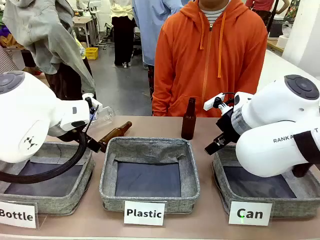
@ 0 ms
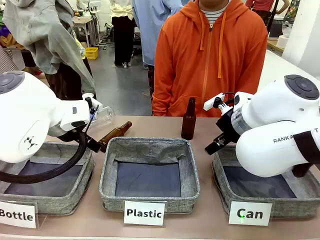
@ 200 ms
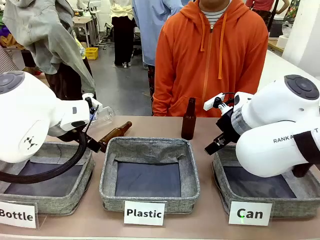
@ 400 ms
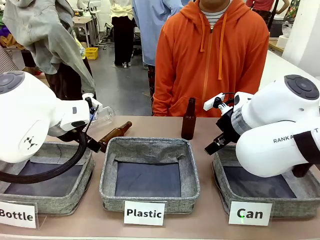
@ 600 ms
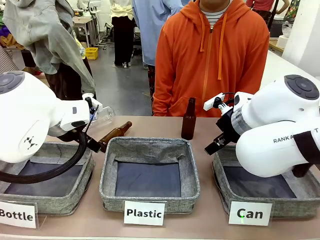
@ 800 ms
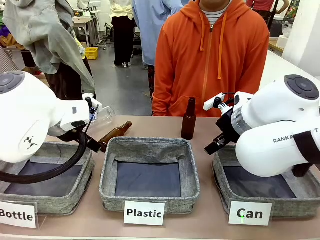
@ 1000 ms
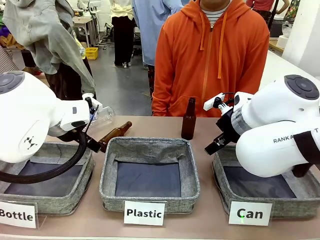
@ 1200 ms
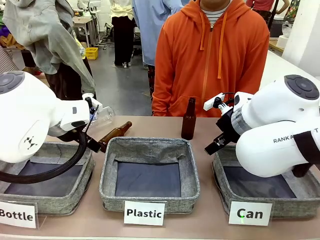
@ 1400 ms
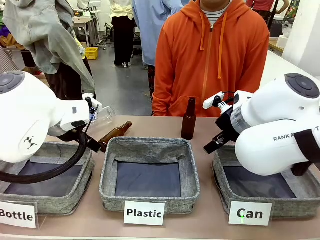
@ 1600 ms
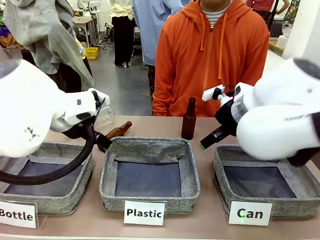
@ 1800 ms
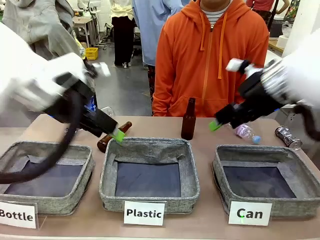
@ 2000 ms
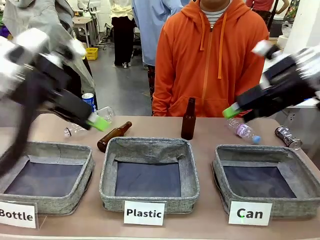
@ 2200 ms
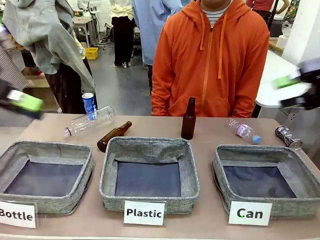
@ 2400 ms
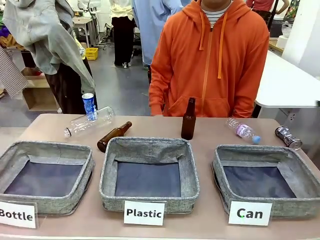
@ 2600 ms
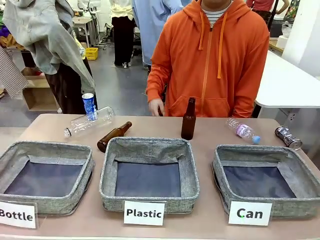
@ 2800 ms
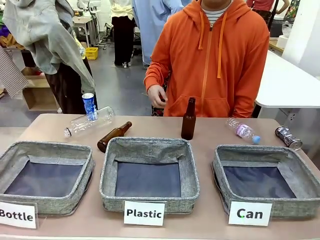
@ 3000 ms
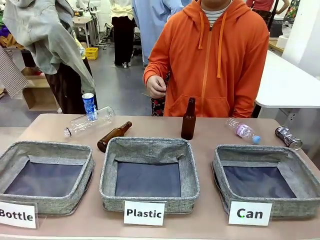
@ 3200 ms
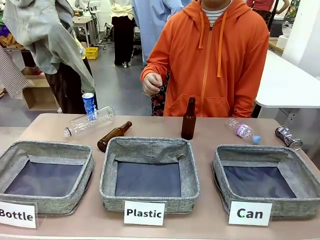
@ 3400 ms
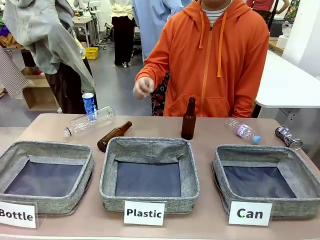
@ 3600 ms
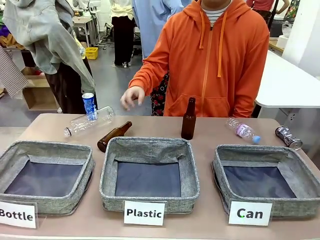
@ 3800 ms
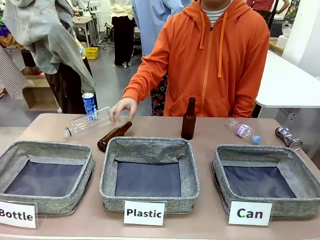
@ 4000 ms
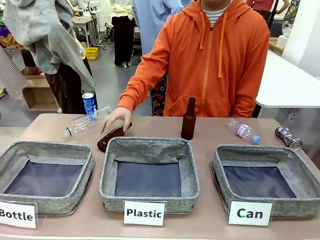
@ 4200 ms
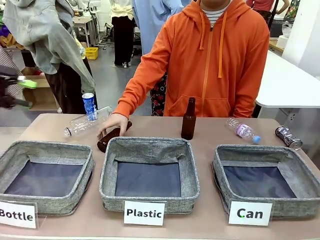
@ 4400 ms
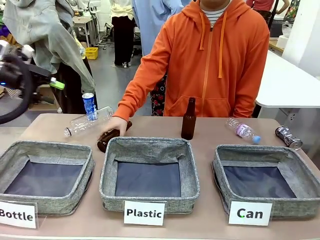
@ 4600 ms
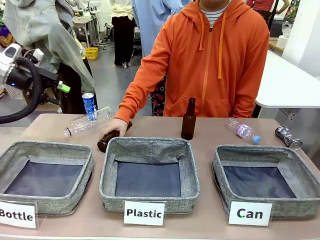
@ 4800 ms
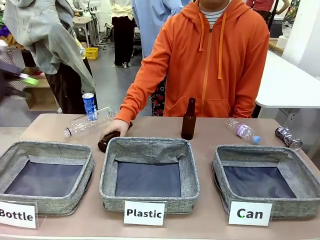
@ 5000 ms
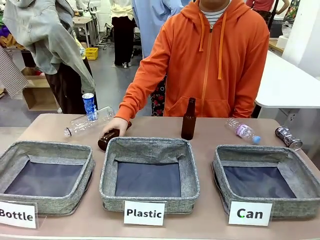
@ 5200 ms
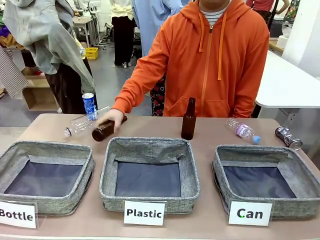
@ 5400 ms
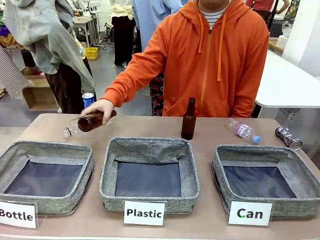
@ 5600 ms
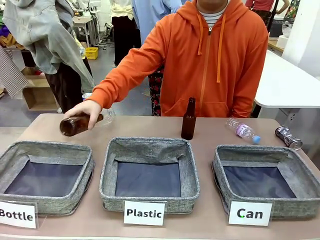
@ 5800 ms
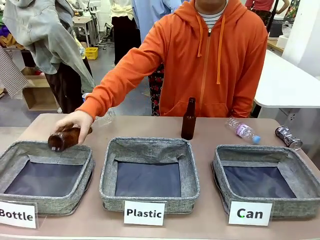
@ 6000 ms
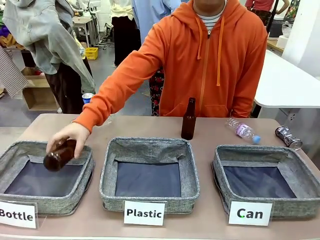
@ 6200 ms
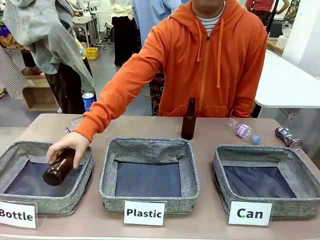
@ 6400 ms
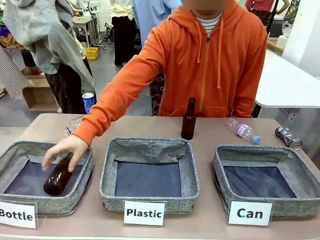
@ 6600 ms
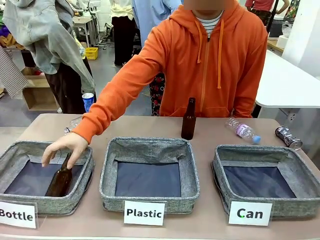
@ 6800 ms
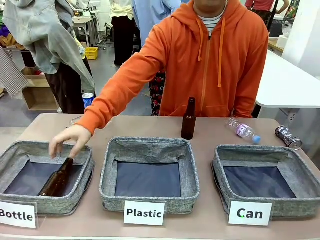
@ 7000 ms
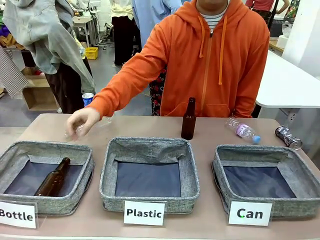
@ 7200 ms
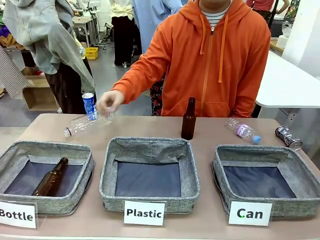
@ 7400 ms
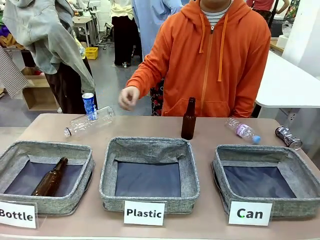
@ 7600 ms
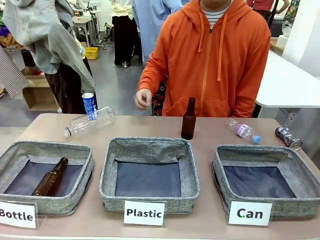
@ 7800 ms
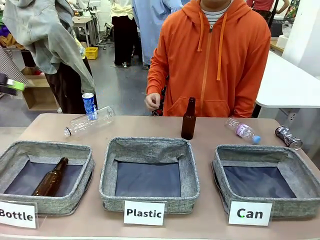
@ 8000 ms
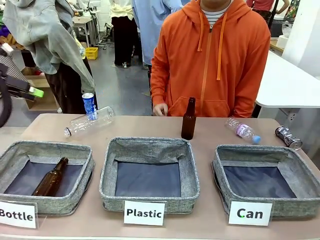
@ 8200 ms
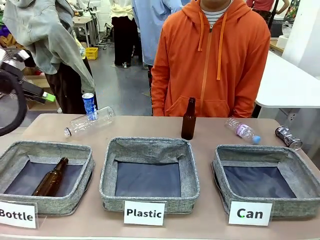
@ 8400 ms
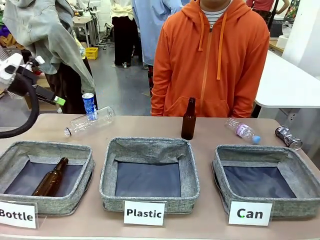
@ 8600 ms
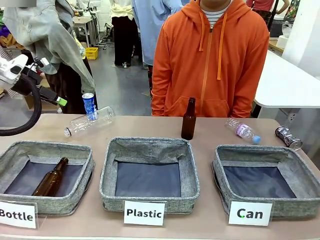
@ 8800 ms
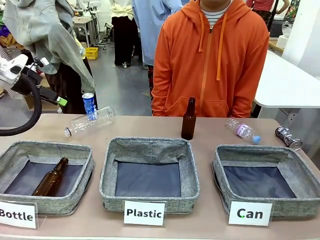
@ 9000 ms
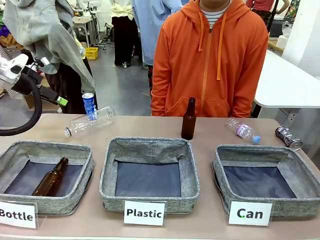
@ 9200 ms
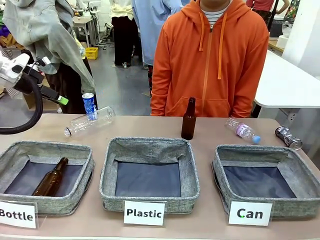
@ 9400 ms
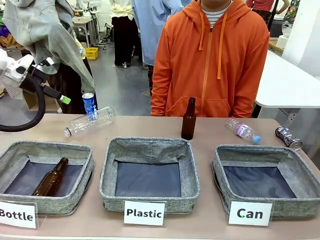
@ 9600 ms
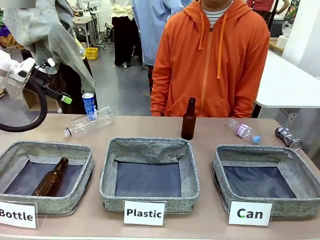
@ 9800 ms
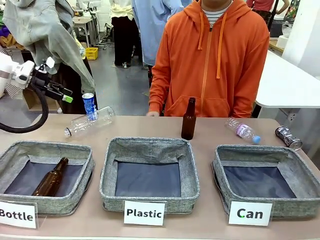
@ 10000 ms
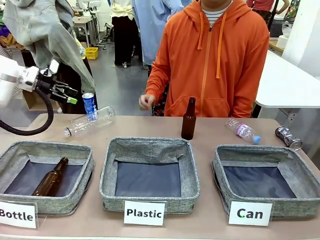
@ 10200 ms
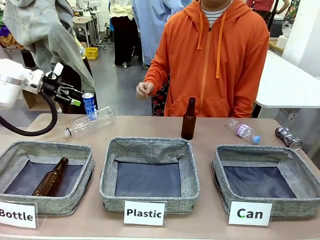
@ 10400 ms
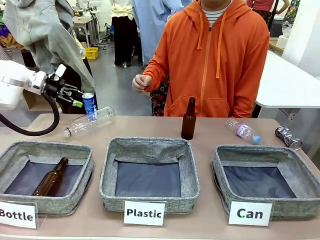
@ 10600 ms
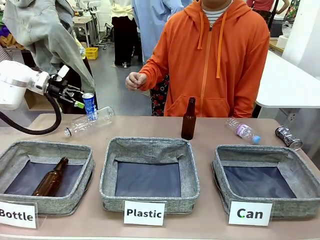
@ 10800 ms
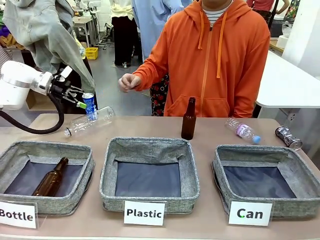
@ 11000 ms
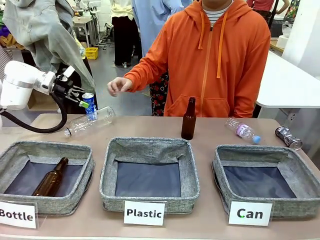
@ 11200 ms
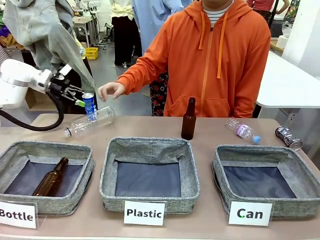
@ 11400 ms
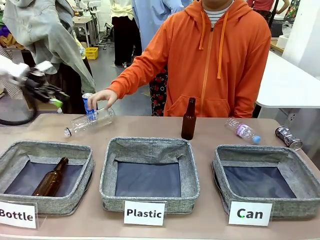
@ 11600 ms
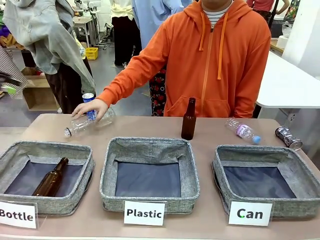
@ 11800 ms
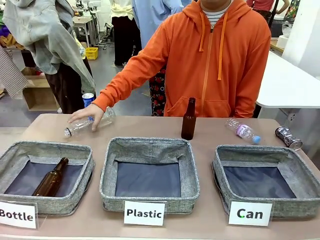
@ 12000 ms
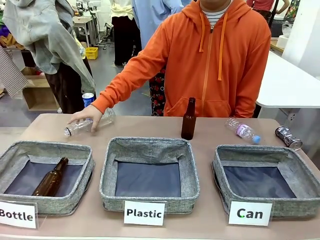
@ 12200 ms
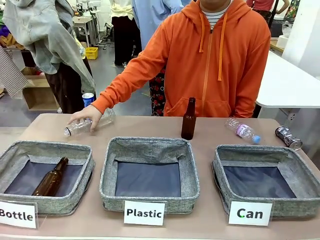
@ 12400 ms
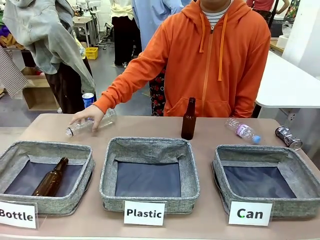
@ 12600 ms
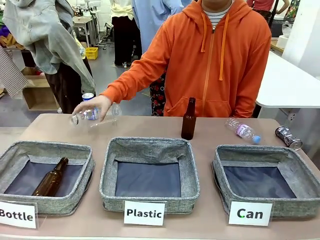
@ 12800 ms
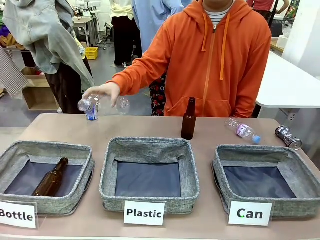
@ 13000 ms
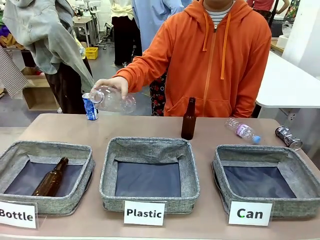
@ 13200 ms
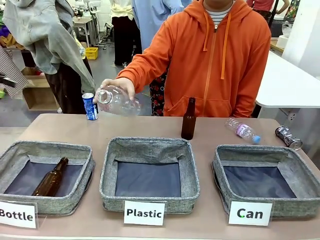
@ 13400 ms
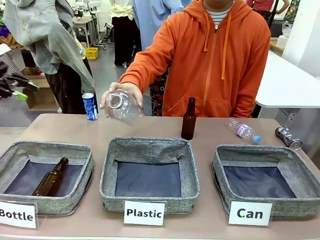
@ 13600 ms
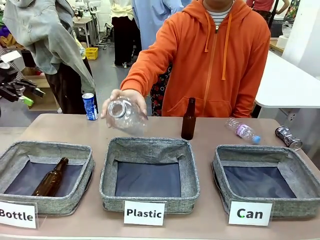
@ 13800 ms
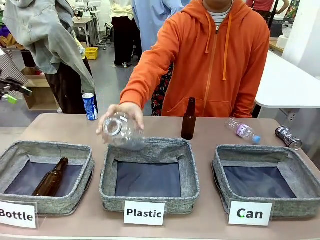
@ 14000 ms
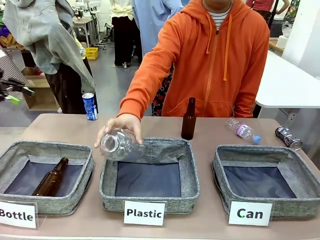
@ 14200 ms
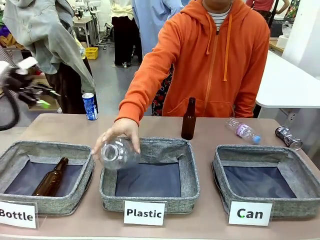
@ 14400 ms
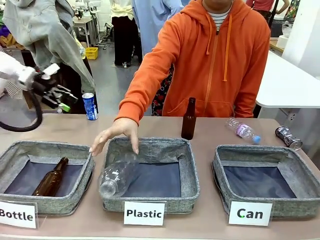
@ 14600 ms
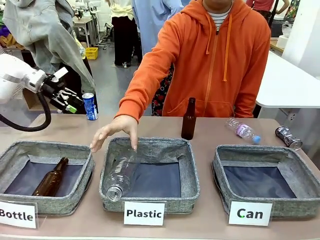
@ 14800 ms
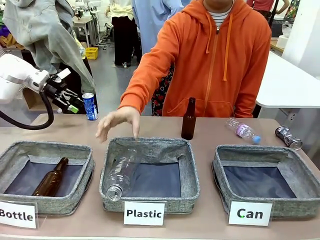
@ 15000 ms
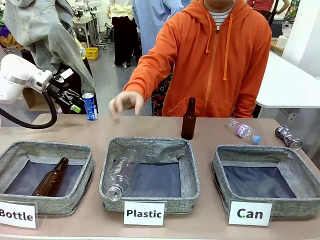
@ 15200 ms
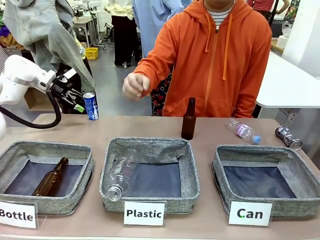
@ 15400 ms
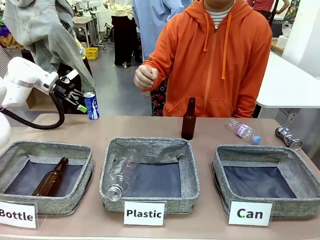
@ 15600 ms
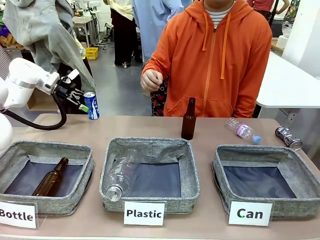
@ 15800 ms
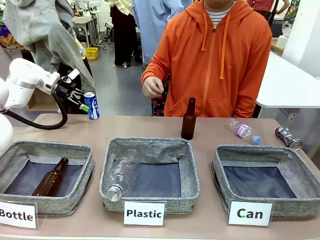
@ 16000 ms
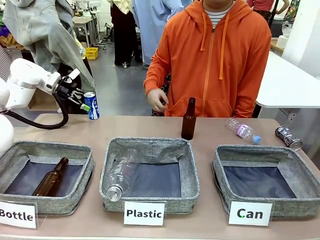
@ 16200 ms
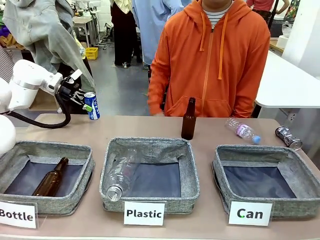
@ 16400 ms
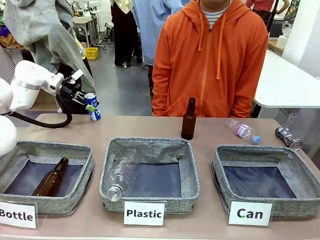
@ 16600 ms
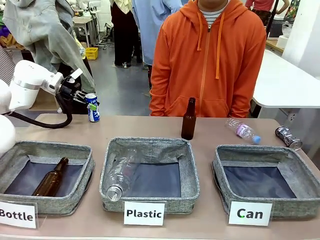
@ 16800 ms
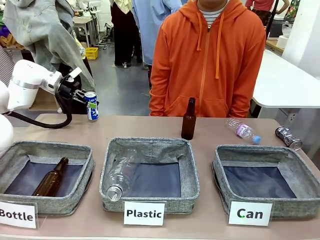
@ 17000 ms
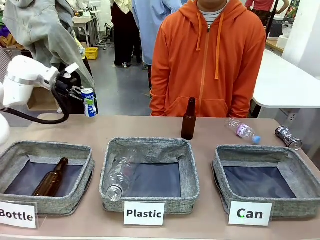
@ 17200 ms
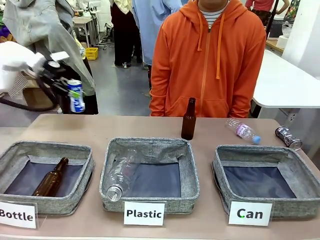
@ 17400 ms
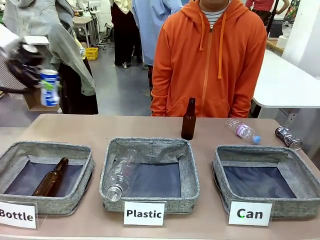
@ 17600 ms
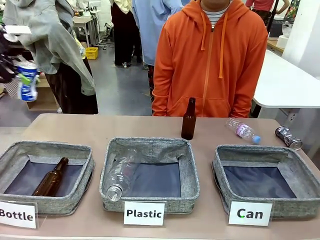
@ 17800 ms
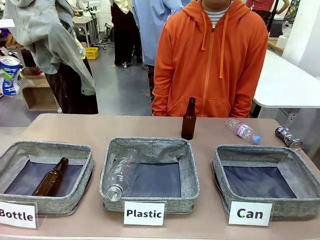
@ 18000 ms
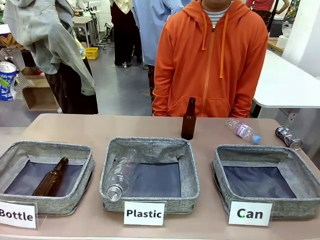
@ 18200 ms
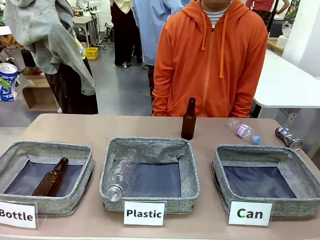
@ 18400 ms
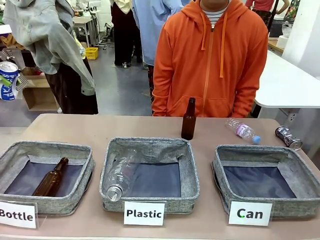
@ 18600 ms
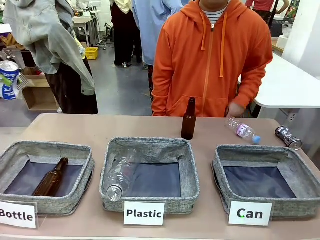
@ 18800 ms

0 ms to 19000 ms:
Task: Sort the can waste into the basket.
Robot: Pick up the can waste from the table and place it in the right Fabric basket.
